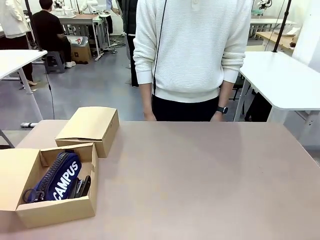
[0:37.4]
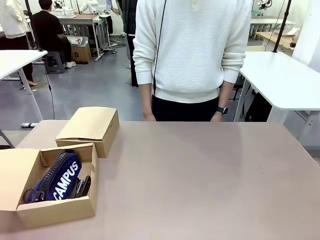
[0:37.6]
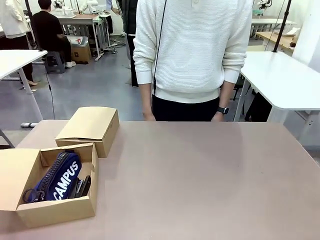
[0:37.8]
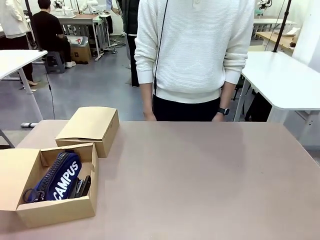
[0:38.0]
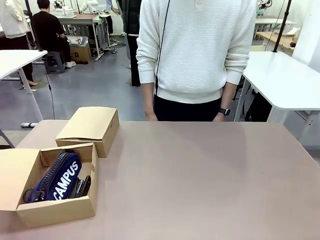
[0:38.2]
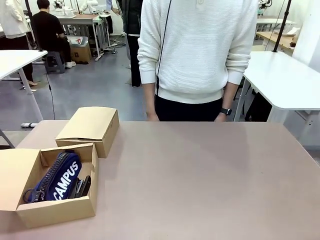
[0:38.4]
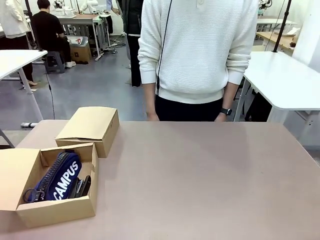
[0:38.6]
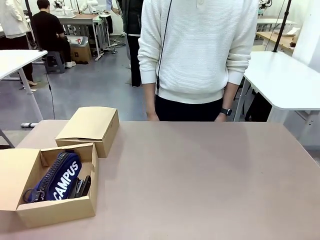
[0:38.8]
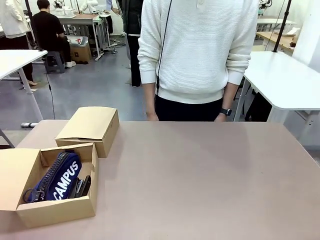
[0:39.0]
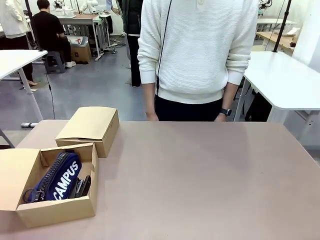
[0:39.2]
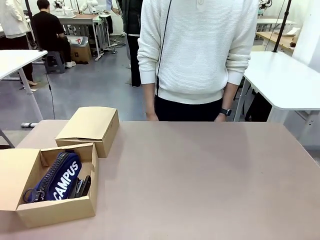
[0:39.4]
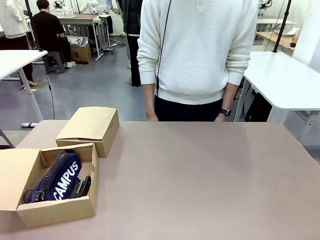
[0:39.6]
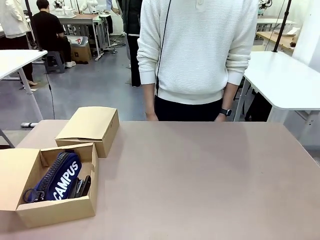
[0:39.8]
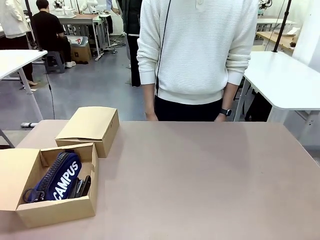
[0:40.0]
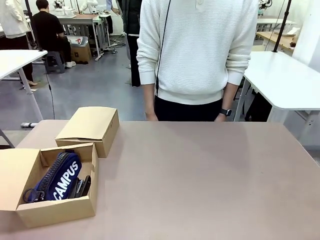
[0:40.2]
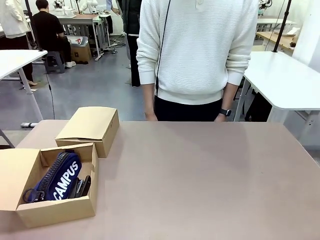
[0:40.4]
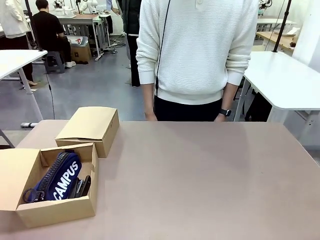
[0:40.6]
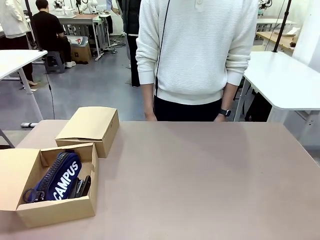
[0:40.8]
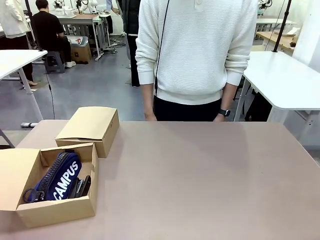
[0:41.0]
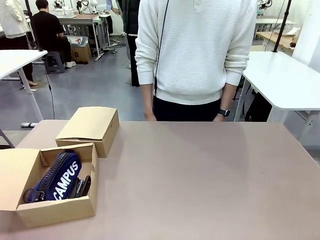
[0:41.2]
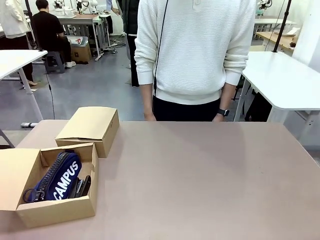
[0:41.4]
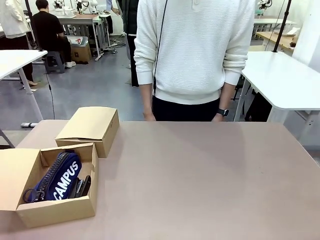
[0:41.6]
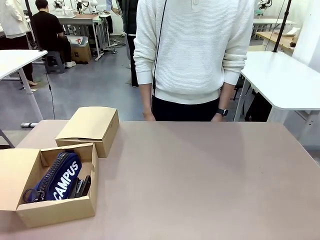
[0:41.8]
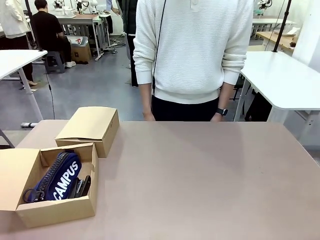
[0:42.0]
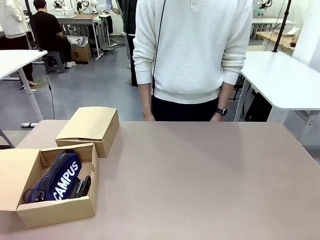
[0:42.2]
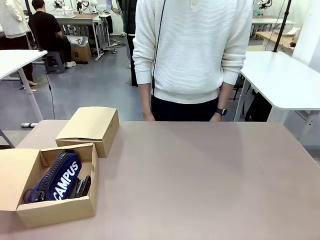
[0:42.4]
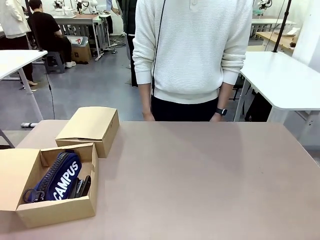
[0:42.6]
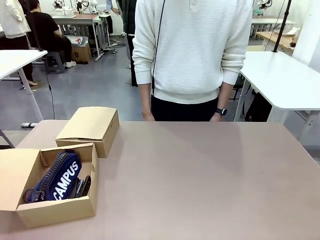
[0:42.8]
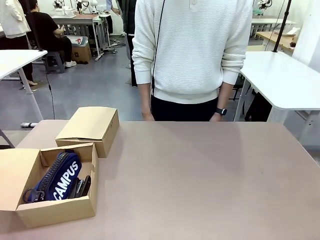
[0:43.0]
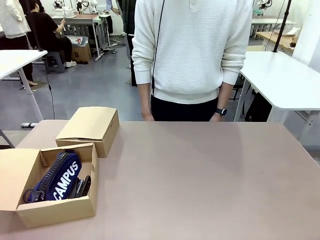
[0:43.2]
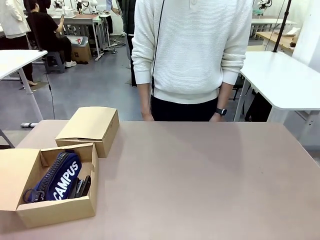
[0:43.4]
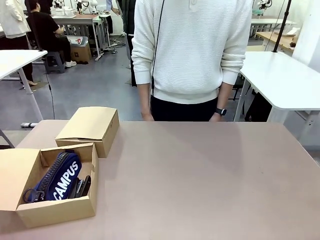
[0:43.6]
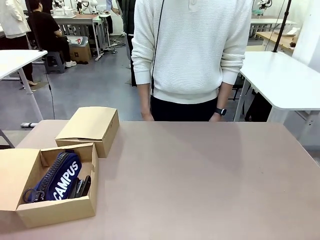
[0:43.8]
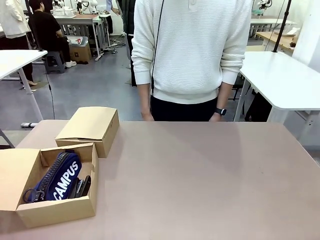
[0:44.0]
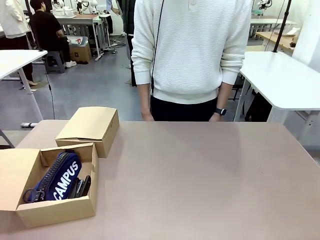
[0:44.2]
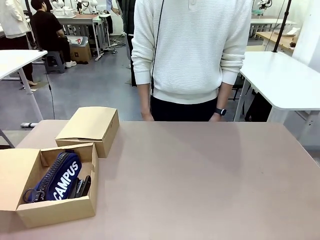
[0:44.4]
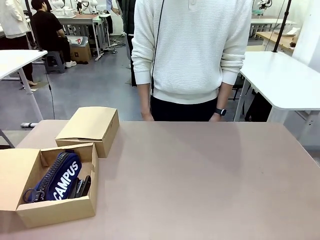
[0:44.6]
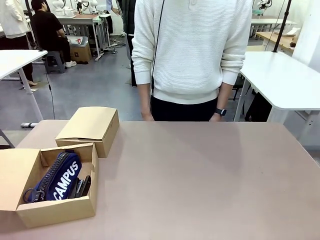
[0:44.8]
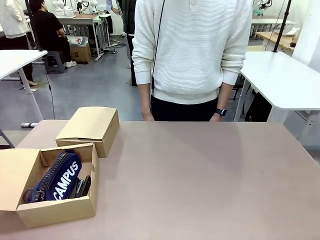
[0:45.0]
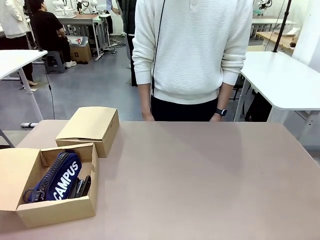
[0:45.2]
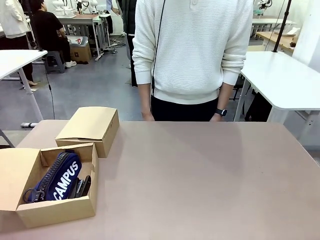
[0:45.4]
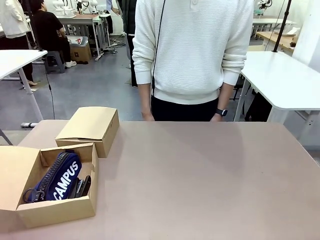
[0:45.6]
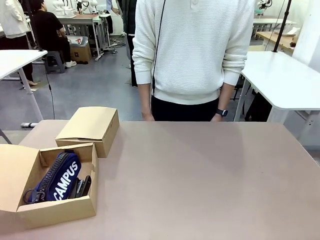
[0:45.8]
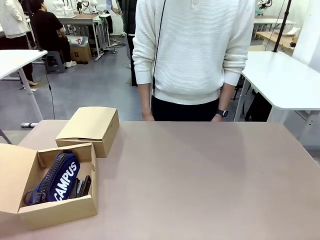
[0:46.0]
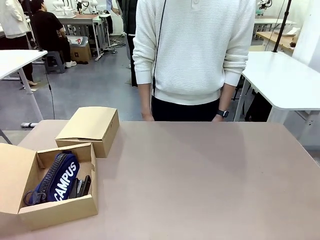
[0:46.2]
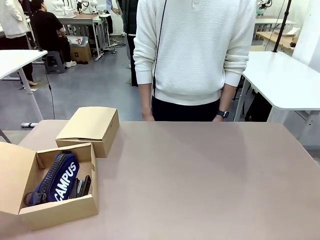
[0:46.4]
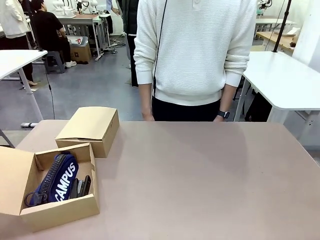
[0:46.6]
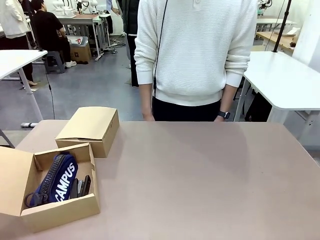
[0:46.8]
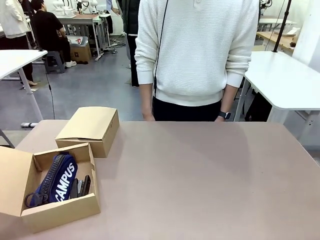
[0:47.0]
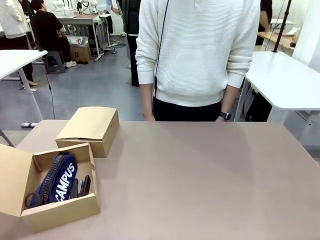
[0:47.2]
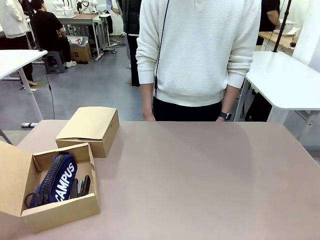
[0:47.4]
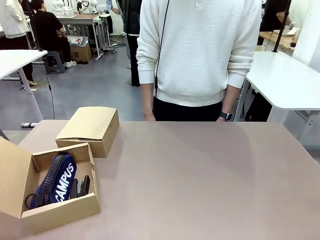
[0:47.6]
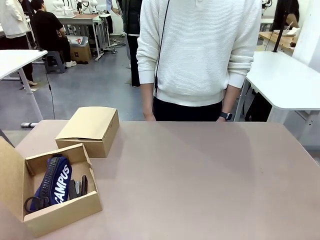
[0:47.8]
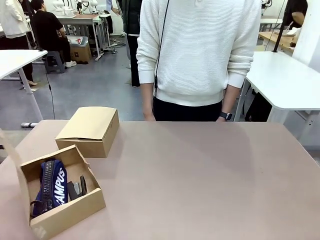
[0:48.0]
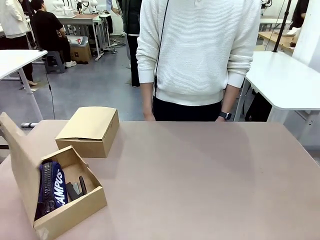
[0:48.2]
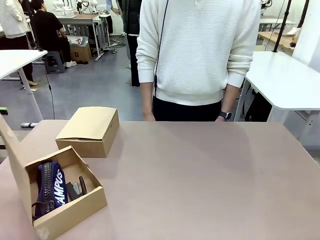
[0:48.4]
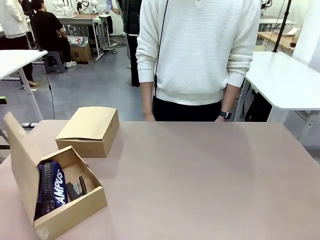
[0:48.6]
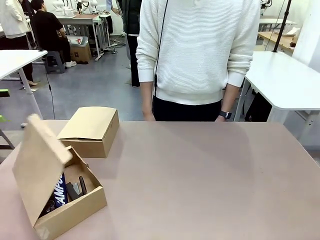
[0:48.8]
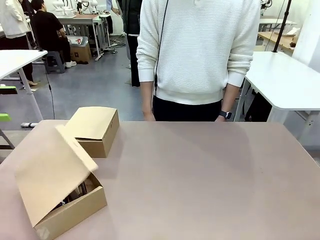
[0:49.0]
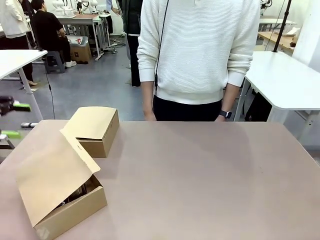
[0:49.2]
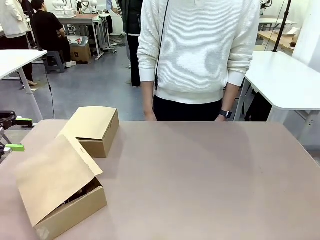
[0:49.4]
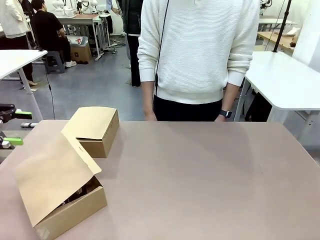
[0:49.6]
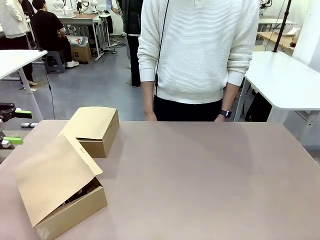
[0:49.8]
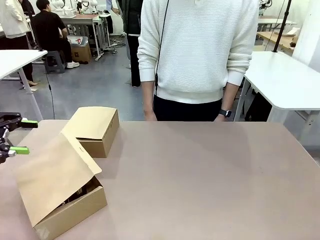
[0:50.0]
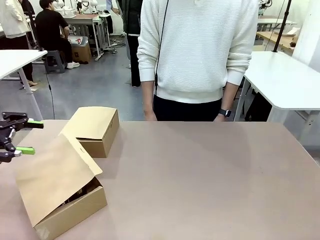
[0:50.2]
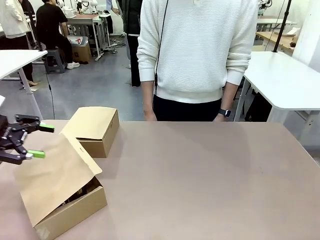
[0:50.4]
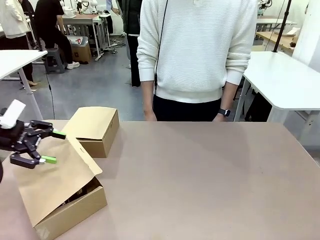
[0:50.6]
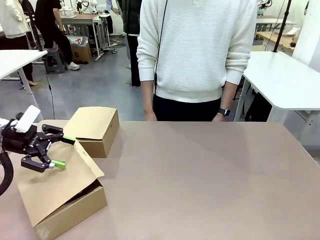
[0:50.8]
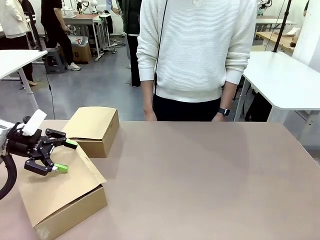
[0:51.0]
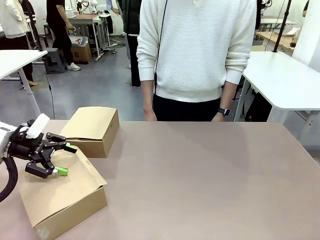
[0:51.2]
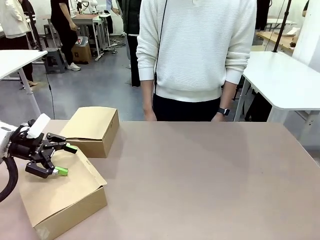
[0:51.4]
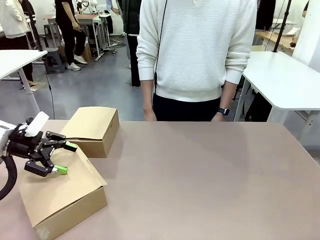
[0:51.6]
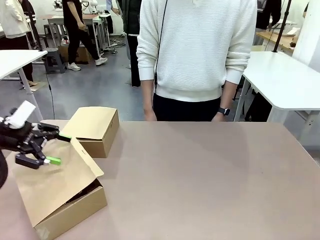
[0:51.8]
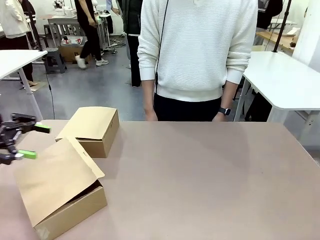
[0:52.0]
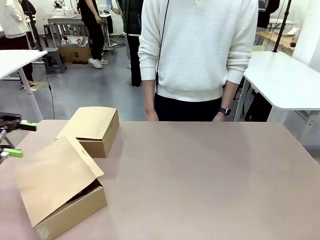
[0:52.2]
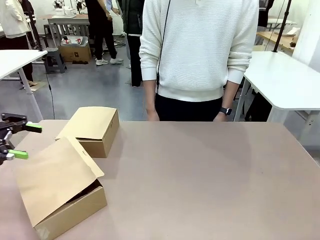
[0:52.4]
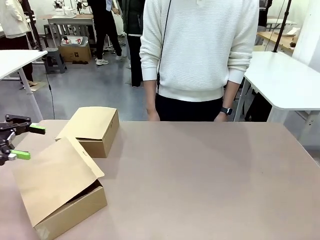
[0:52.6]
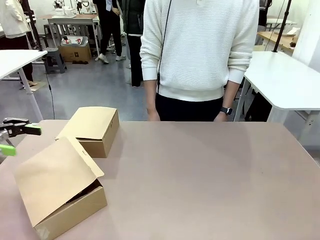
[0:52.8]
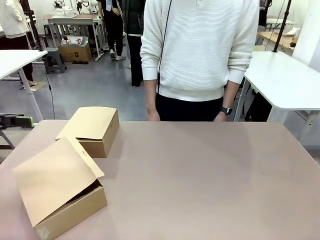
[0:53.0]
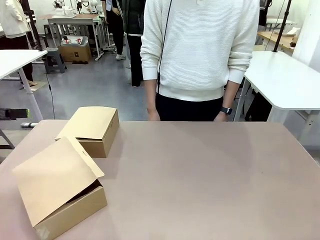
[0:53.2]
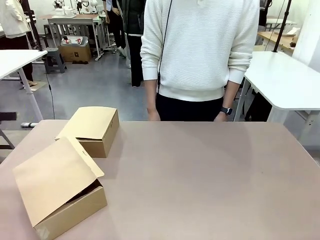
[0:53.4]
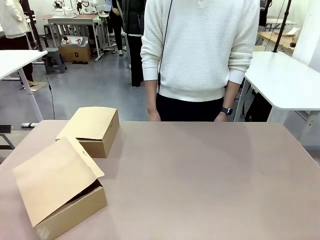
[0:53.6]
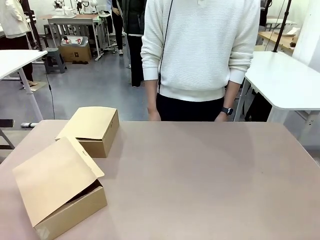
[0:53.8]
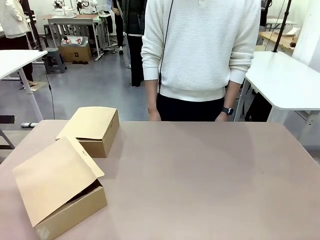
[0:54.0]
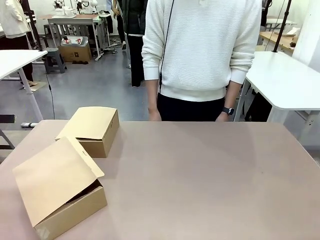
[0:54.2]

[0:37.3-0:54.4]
Task: Place items inside the box.
Robot: Close the lid of the Mailer Box closest to the robot.
Person: Close the lid of the box facing the person.
